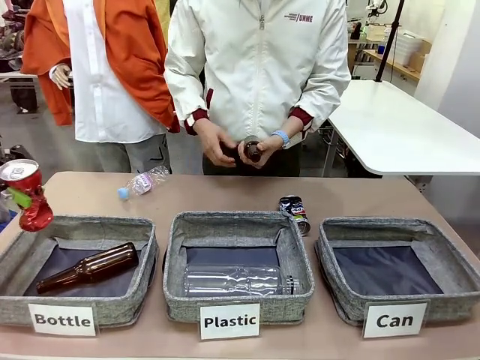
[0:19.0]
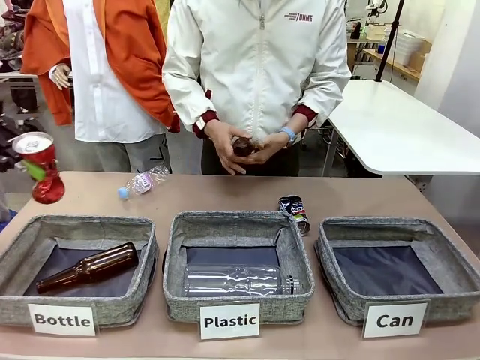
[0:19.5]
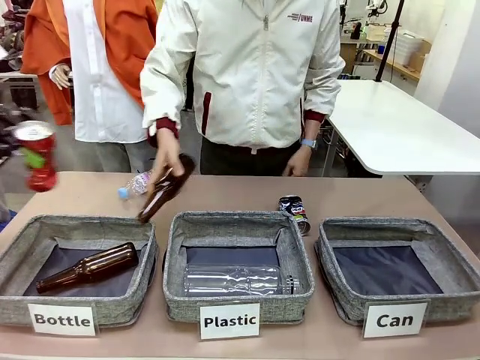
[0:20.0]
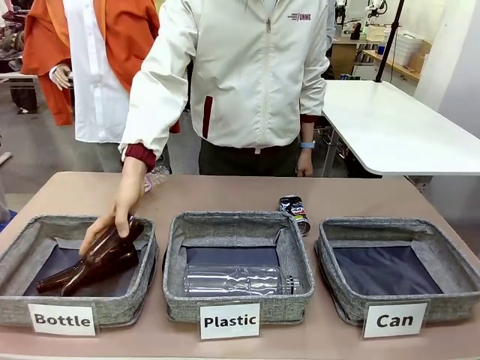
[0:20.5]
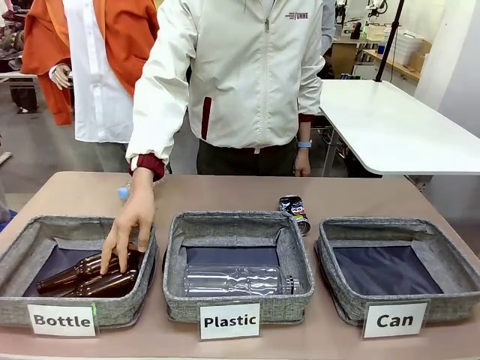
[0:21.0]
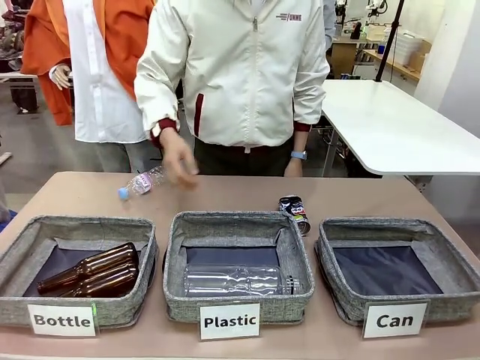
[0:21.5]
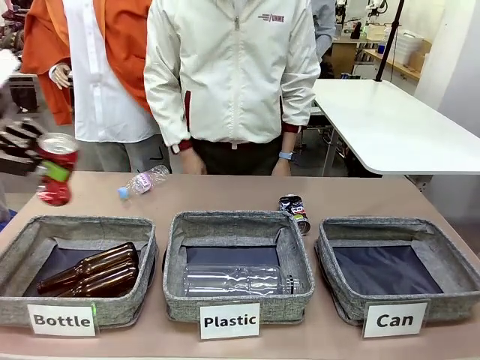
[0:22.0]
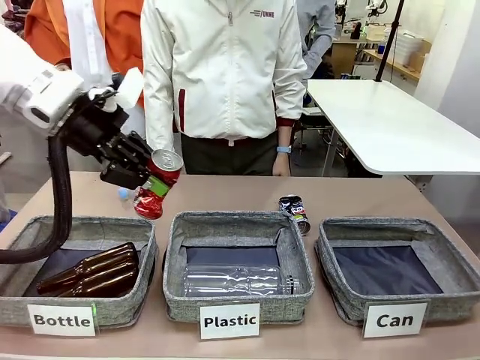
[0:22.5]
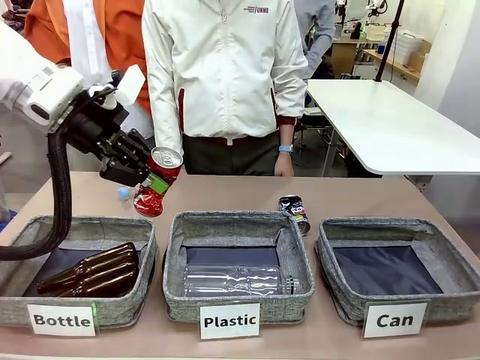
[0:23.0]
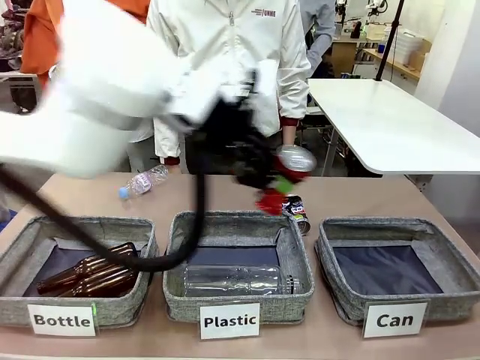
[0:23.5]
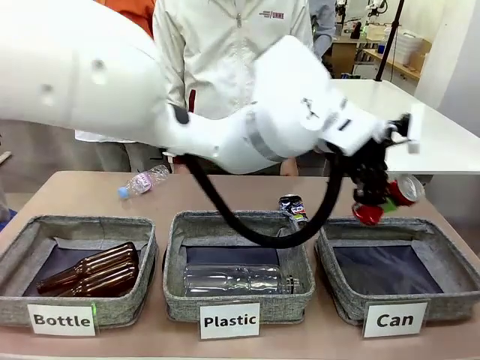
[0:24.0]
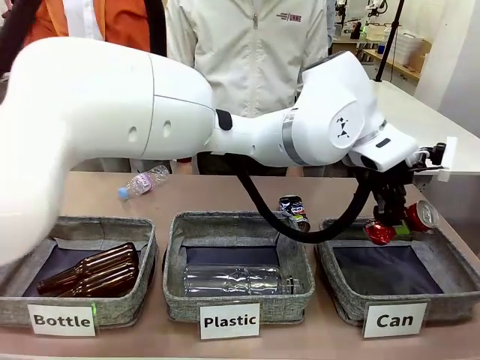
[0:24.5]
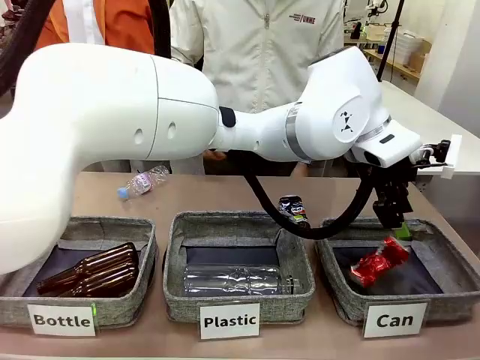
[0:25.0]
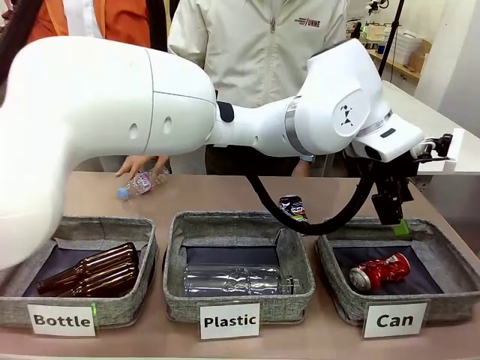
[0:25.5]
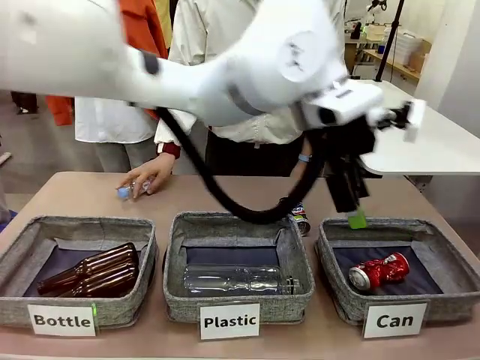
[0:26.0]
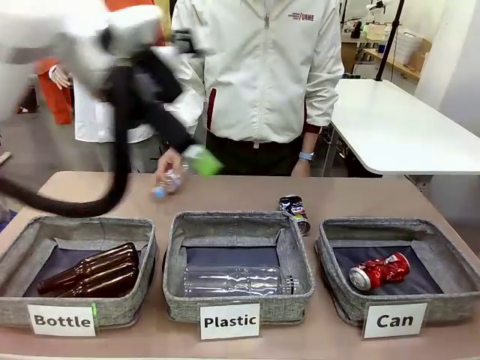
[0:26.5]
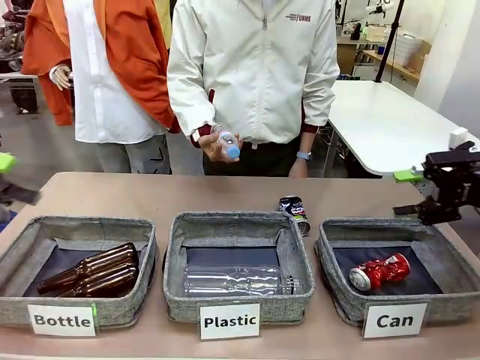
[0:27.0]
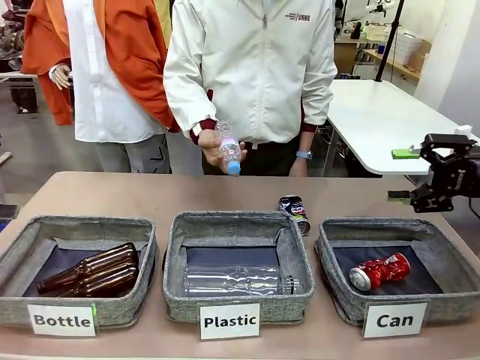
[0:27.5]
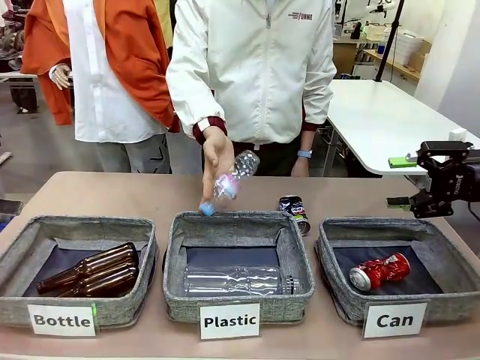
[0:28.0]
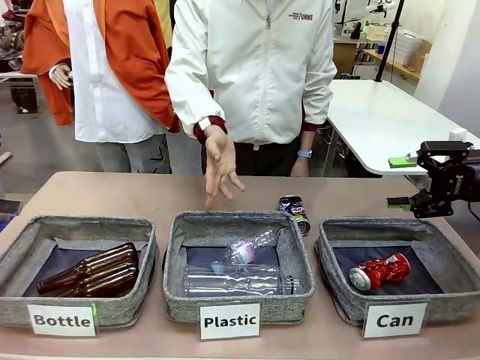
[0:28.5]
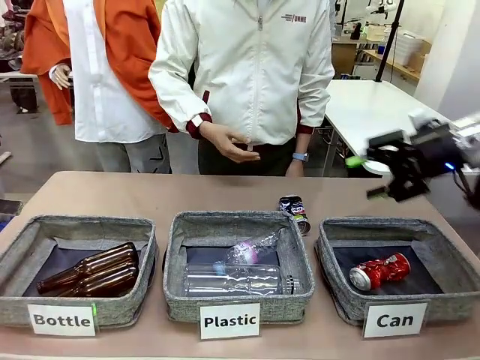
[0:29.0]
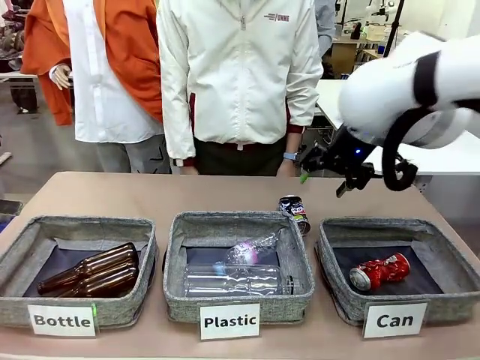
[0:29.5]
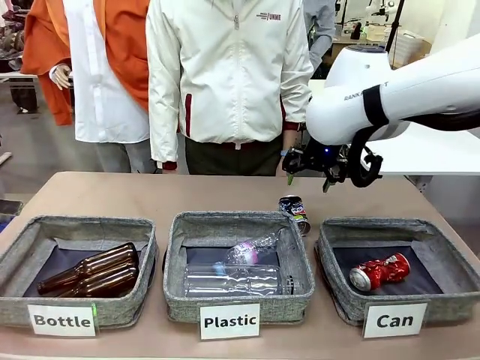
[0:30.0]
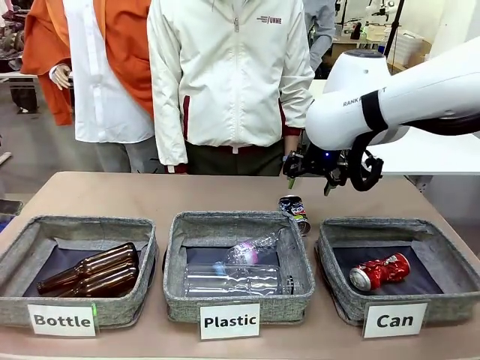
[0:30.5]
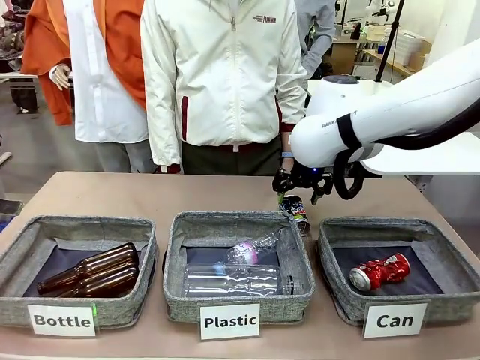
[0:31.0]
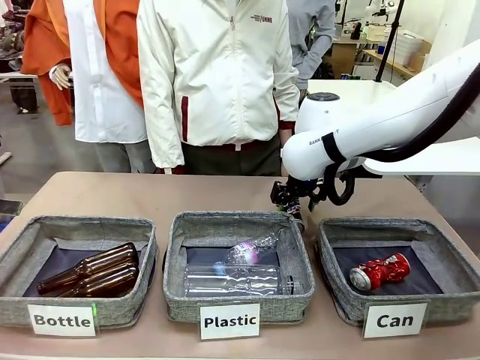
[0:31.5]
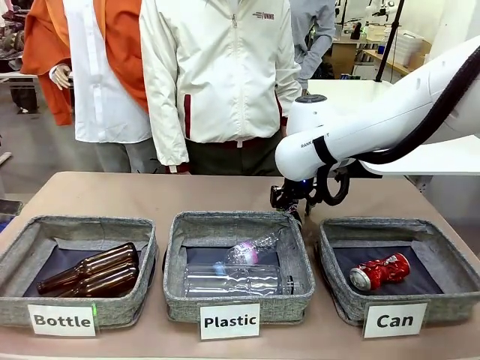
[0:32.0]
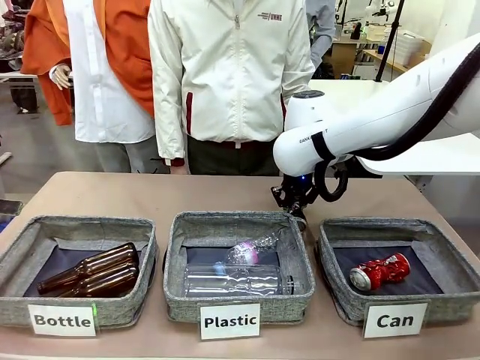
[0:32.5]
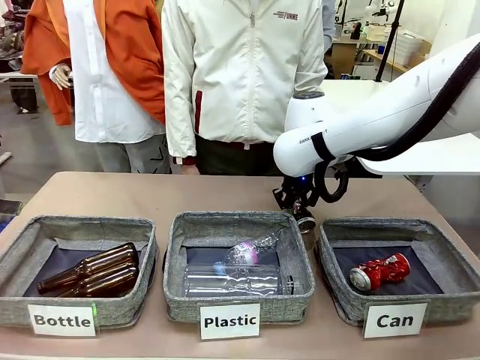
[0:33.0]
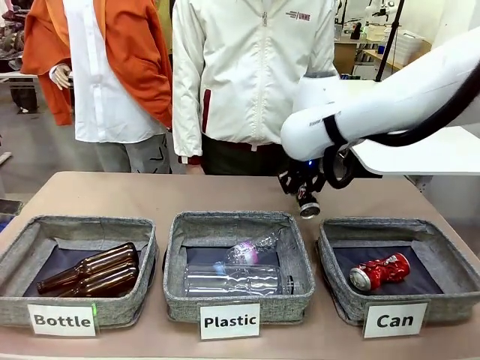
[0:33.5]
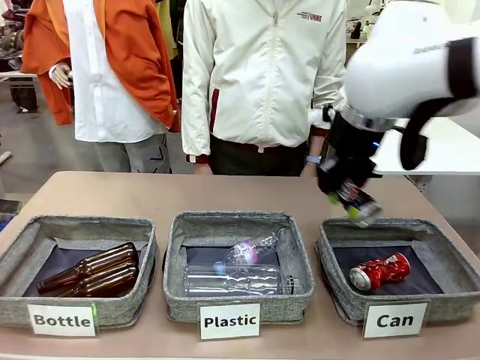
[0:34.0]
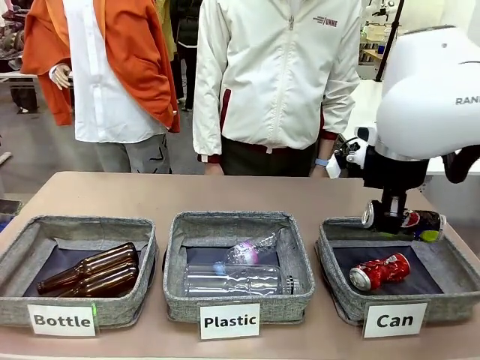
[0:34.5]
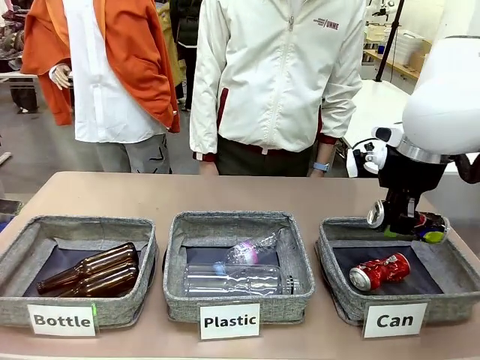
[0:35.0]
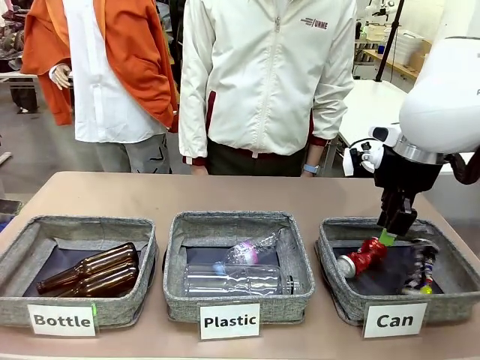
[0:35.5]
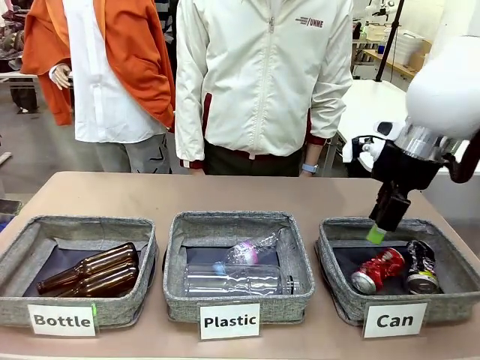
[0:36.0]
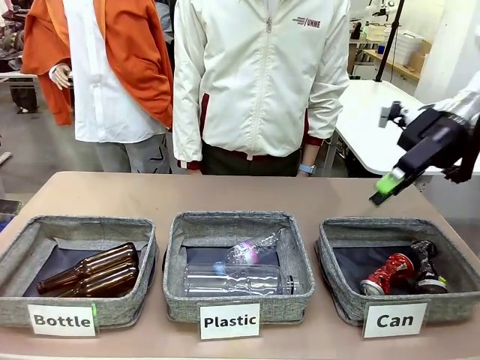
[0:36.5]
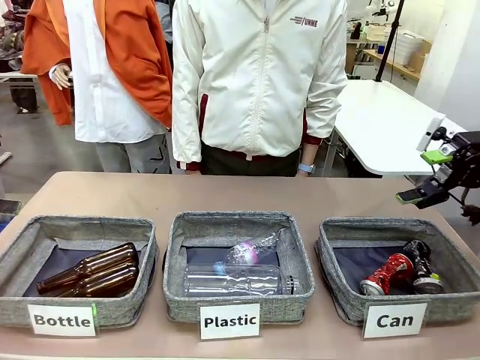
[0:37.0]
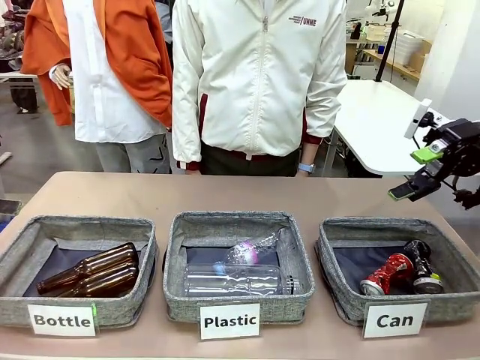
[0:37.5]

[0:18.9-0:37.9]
Task: Sort the can waste into the basket.
Robot: Pick up the can waste from the table and place it in the right Fabric basket.
Person: The human picks up one piece of trash that is not a can and places the trash into the appropriate organizing basket.
